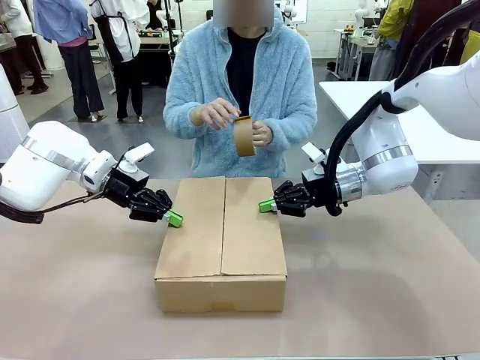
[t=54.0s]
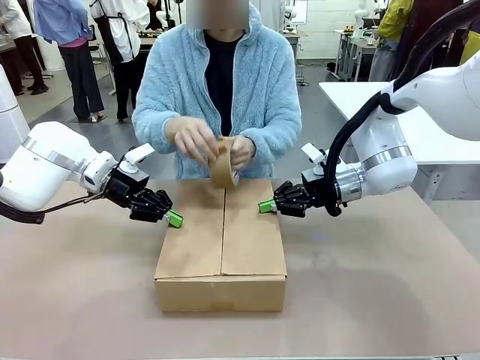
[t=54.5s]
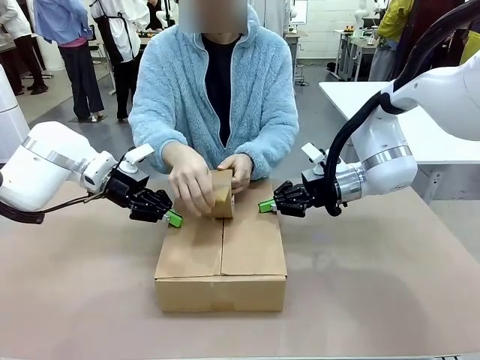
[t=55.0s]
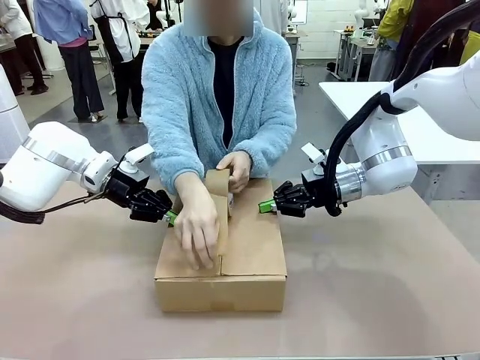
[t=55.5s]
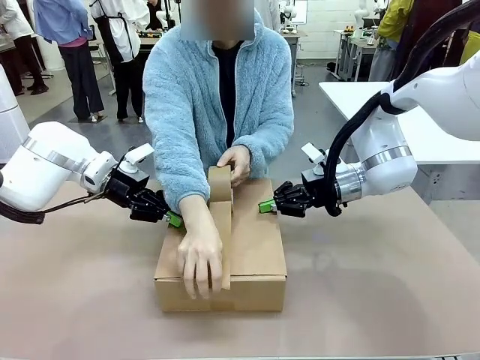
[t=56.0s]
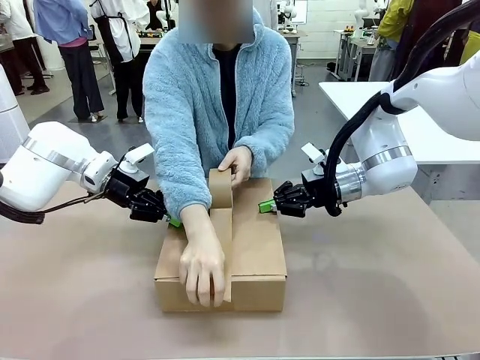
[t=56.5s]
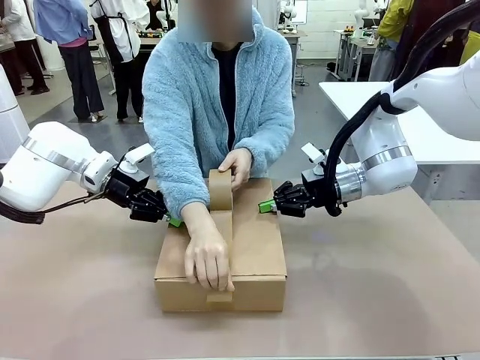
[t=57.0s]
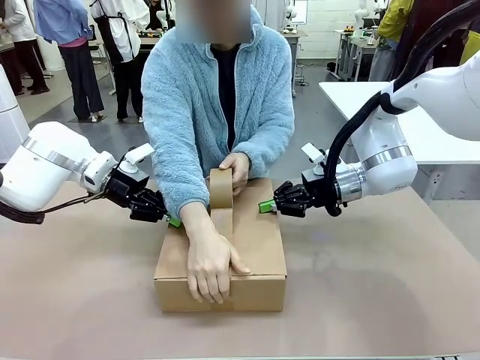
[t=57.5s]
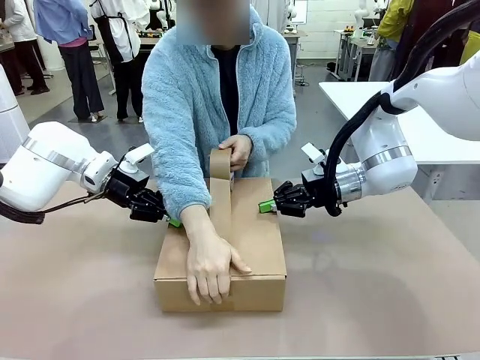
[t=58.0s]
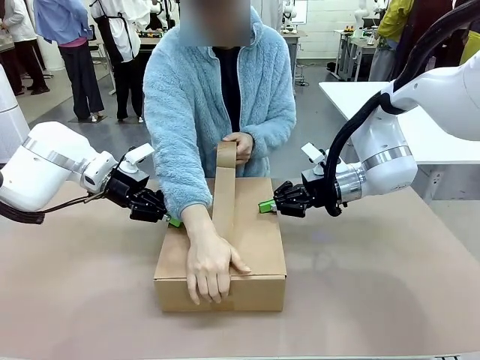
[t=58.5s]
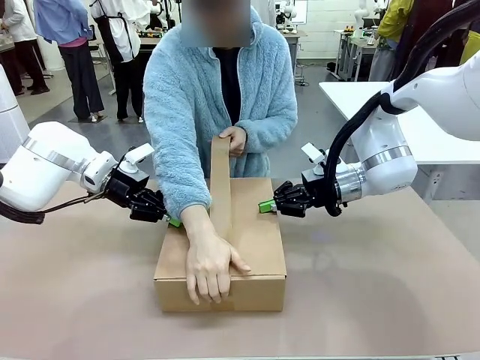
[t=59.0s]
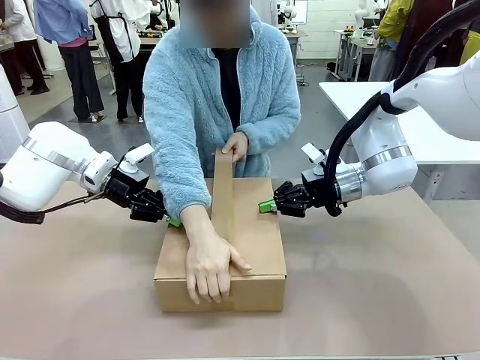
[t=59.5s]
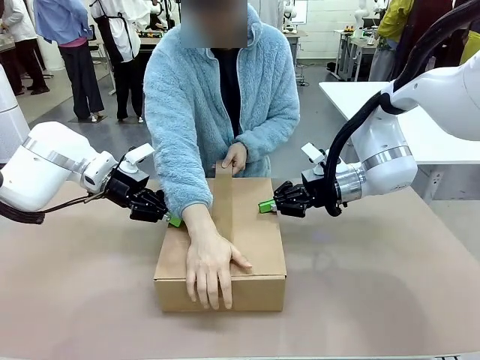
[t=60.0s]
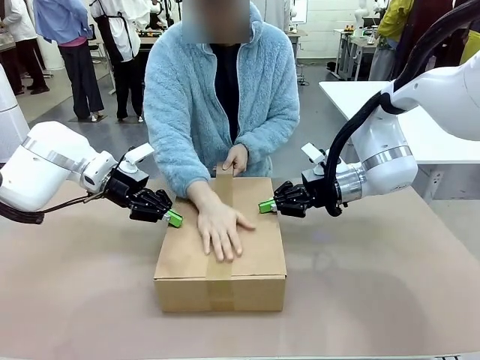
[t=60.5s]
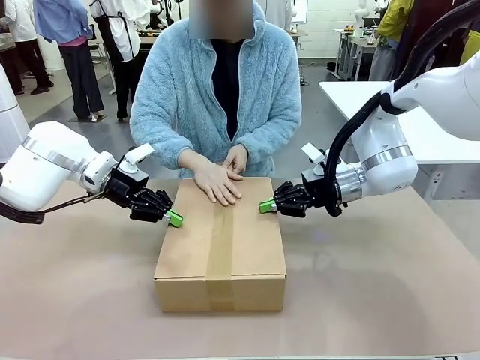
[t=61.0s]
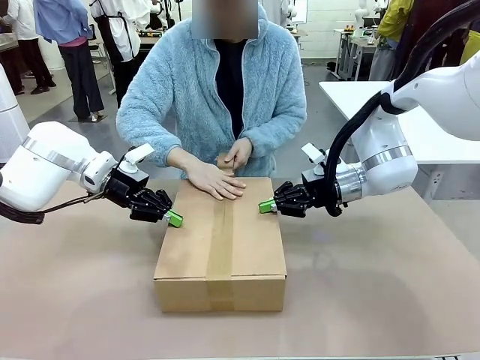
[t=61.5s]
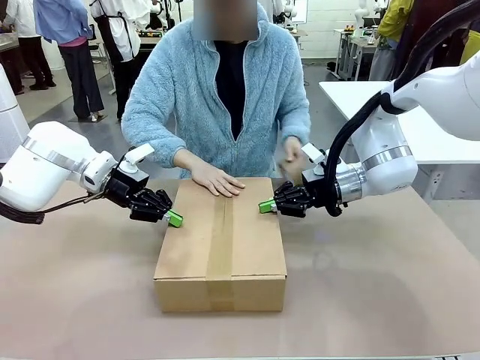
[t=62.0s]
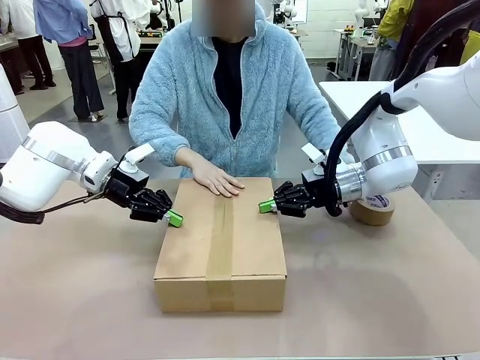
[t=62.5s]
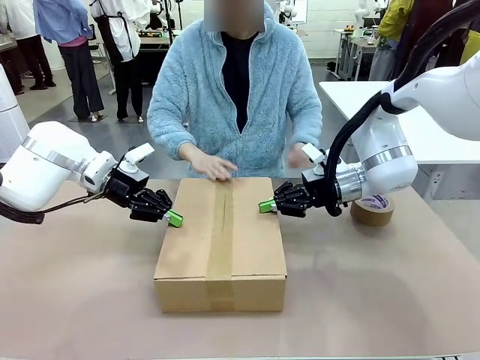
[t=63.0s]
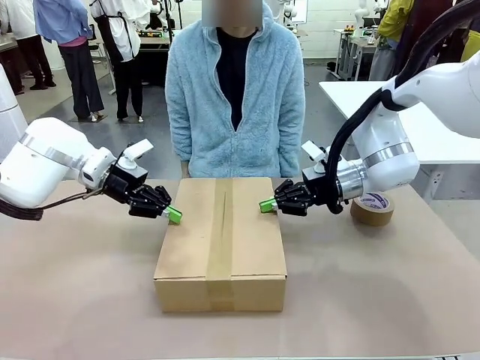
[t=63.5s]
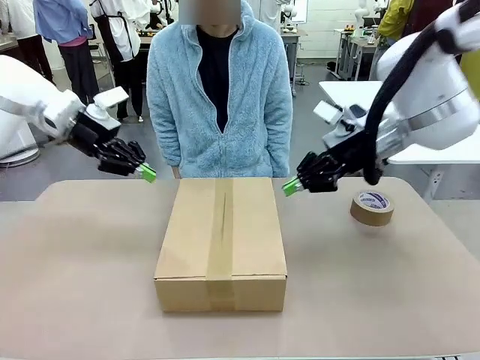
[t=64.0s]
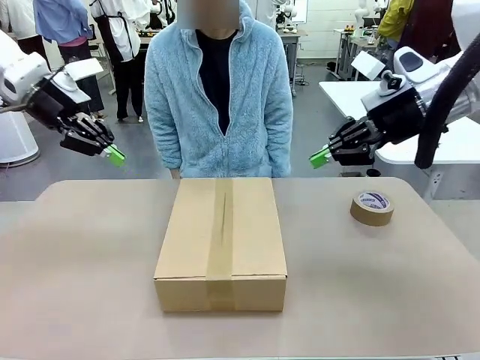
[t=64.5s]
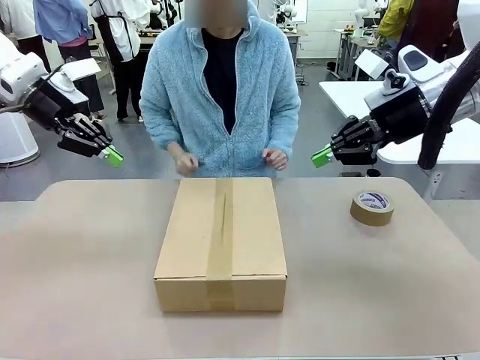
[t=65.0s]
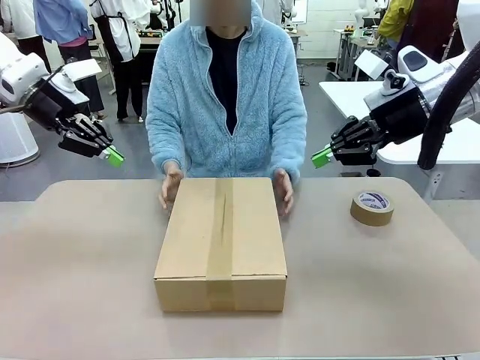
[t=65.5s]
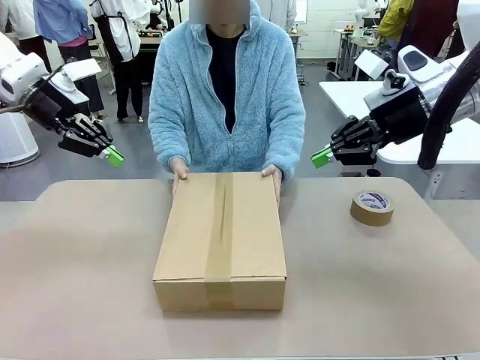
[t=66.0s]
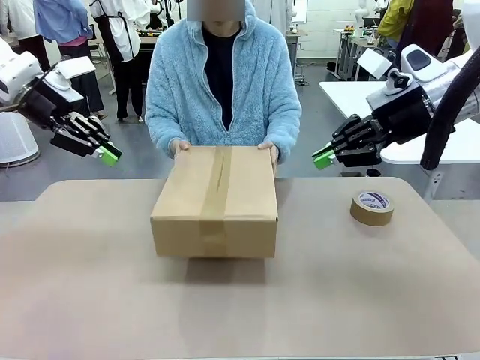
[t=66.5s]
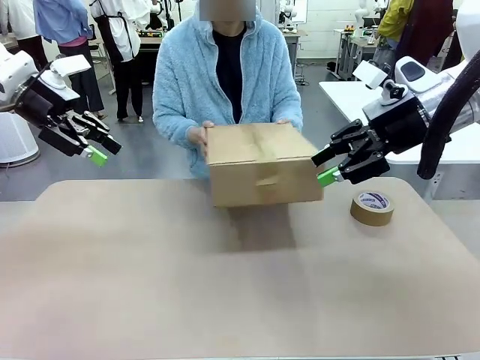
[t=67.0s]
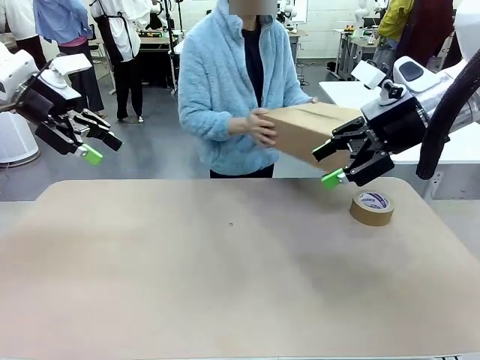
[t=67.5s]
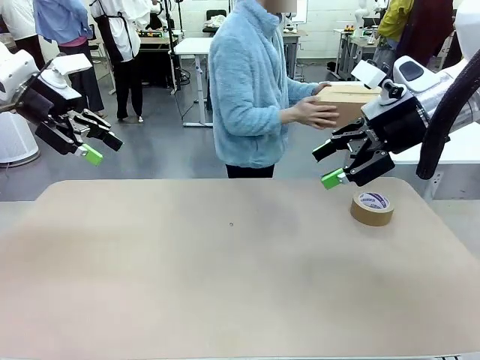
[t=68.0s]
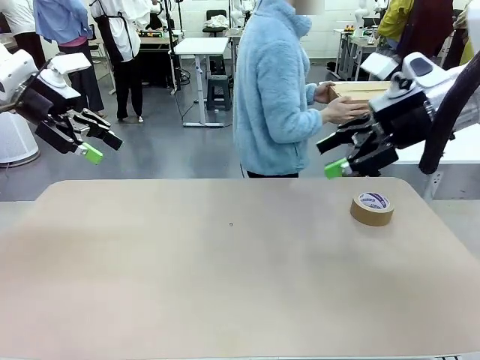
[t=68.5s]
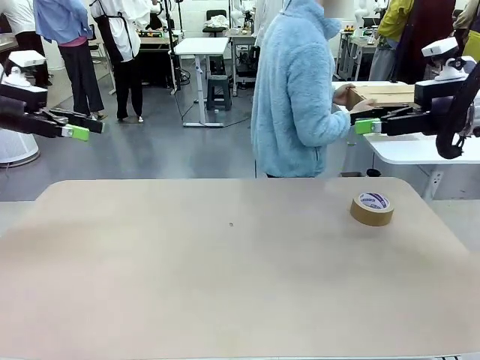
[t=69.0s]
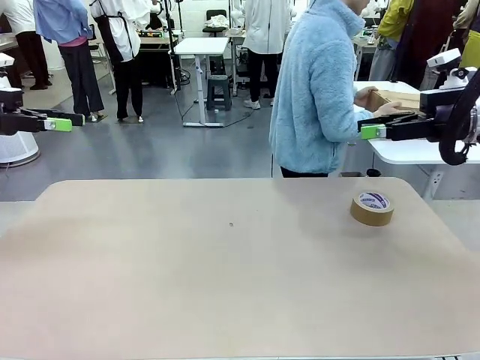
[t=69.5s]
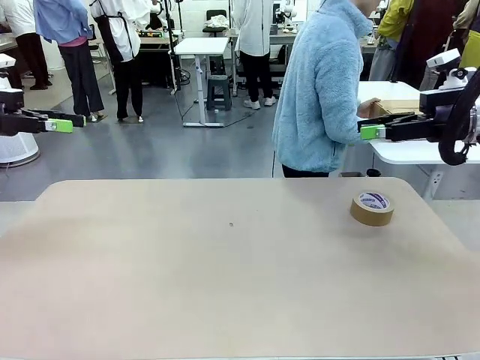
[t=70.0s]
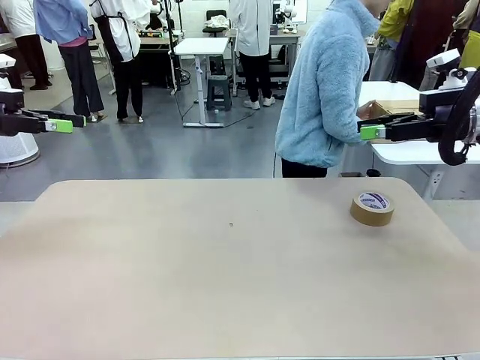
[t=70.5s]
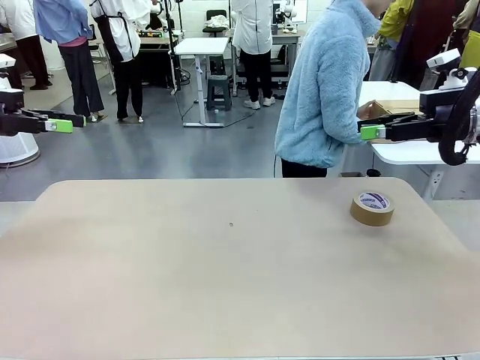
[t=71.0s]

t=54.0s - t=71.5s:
Task: Wrap the clocks to prevent damage.
Robot: After the human seals the box with tape, release both hands from the side flaps of the Package Box.
Person: Once the robot closes the left flap of the Package Box , seal the box with Paper Tape. Place sealed Package Box in the middle of the human's table.

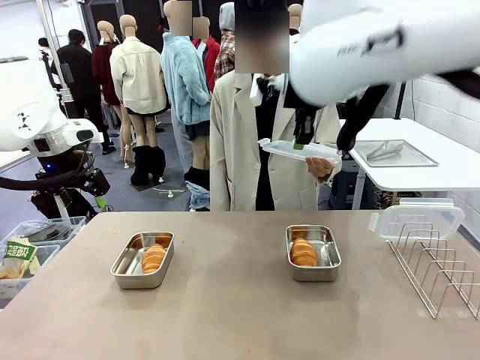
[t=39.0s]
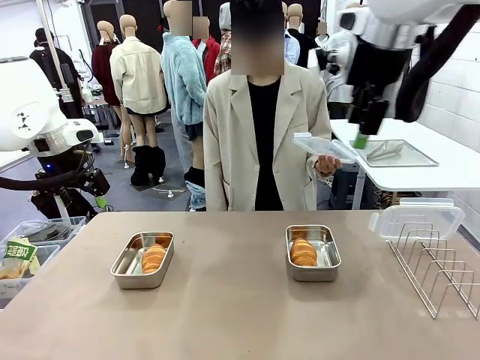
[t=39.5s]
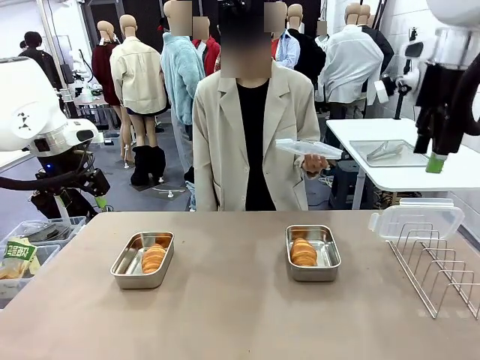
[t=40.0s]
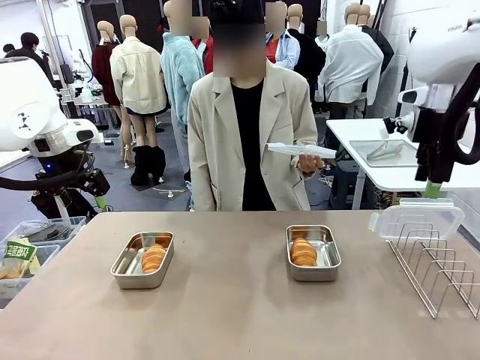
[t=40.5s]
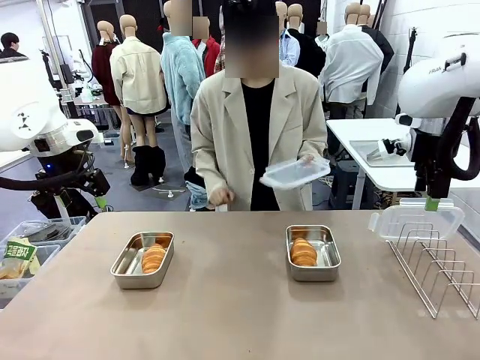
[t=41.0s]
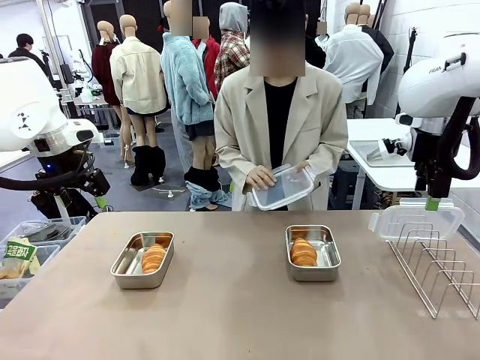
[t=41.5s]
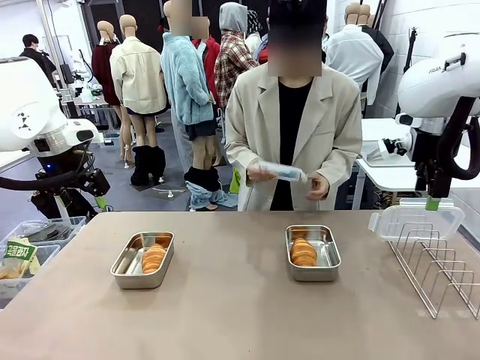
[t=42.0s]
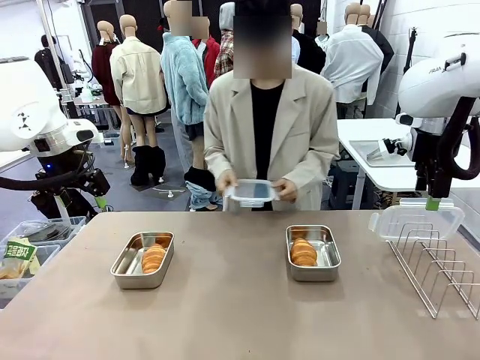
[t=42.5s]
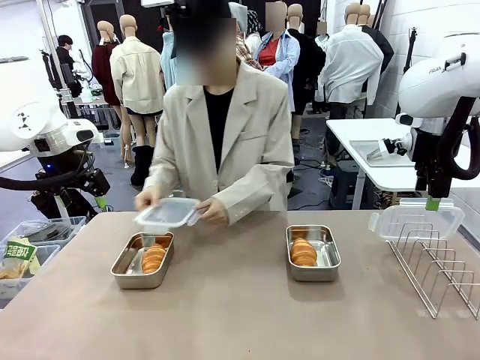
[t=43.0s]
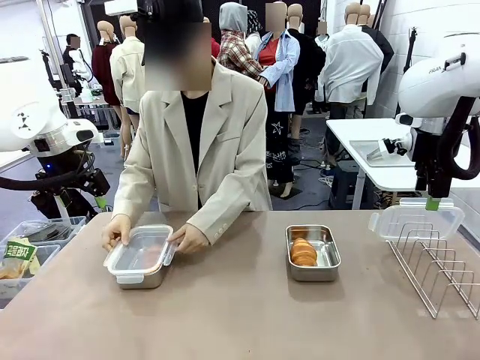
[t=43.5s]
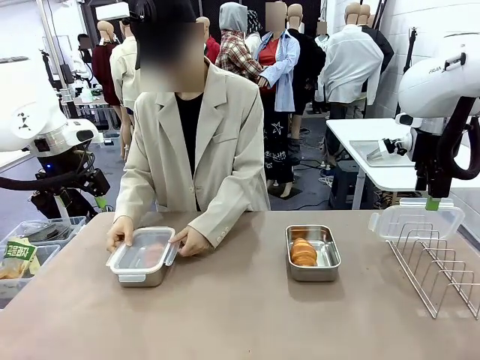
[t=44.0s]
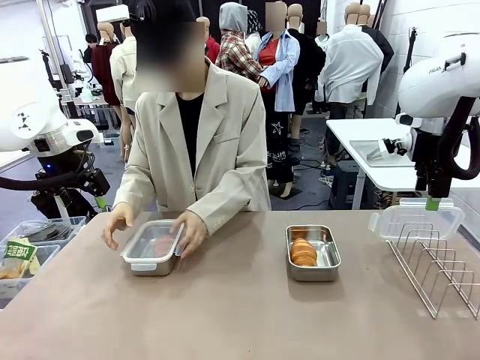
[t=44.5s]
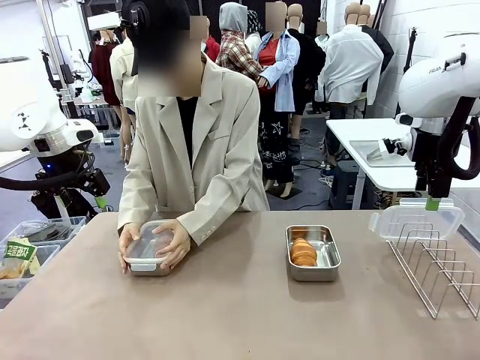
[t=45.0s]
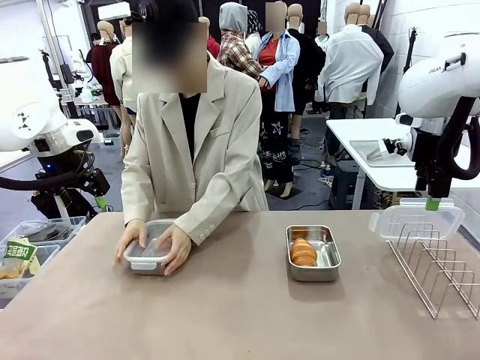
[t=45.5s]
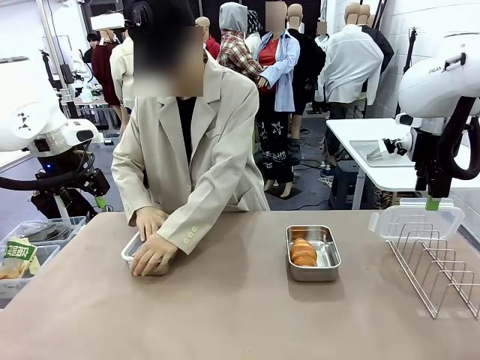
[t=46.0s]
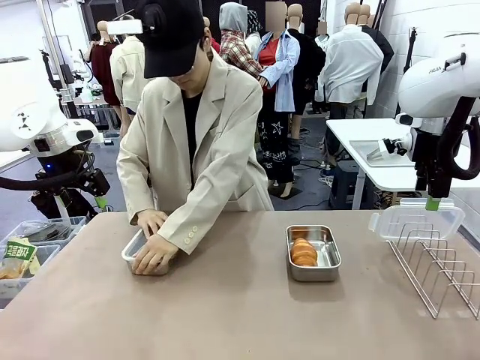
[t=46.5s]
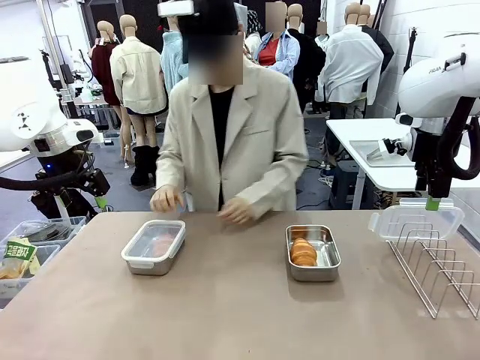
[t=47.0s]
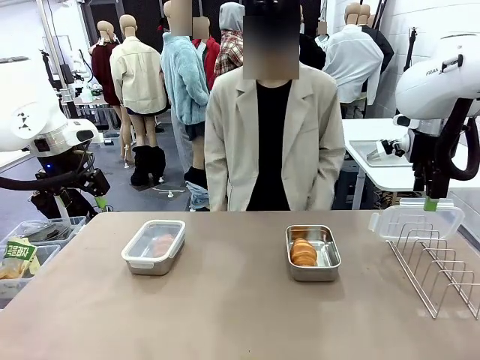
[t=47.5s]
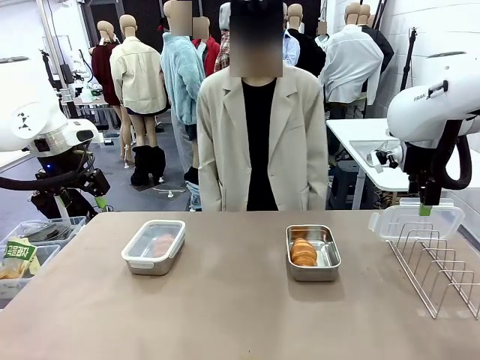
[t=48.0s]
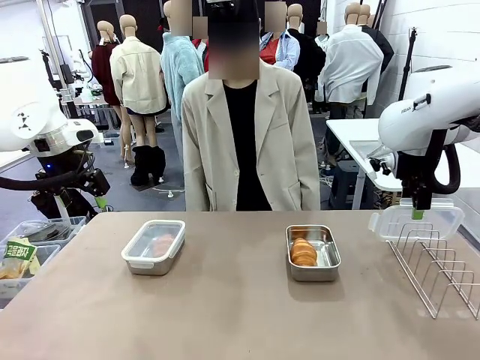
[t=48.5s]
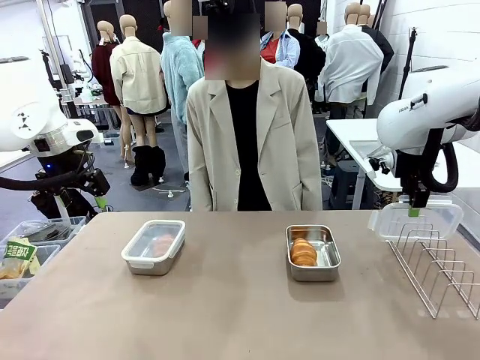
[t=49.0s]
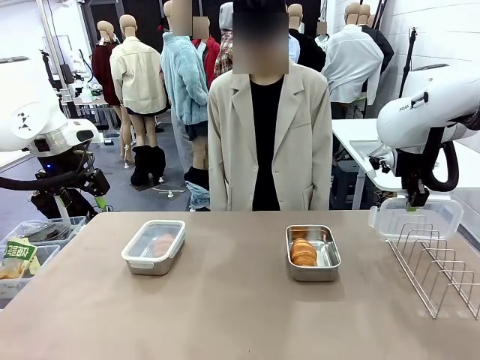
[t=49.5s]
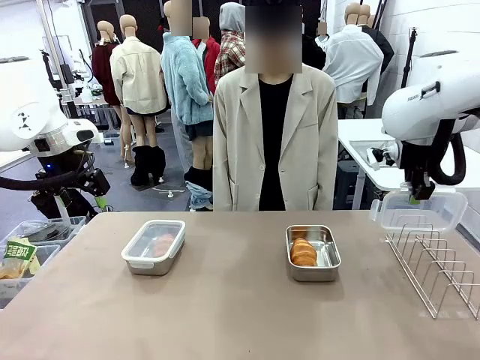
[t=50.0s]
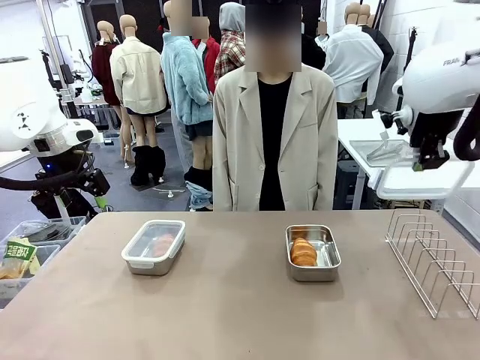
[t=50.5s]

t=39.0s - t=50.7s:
Task: Place the bread in airtight containers.
Robot: Pick up one Airtight Container lid and hand it to the human.
Person: Close Airtight Container with a handed Airtight Container lid.
